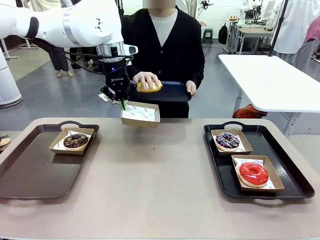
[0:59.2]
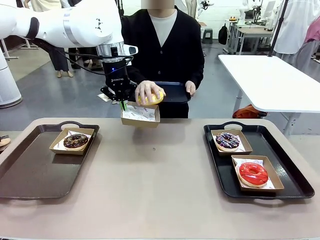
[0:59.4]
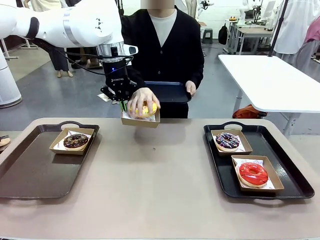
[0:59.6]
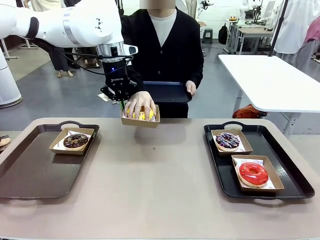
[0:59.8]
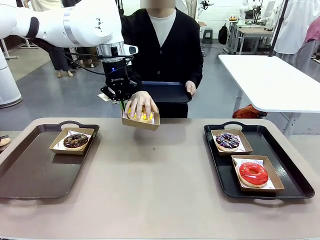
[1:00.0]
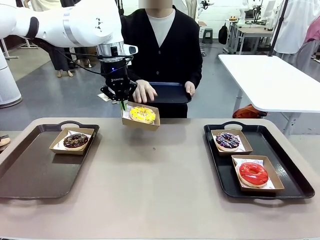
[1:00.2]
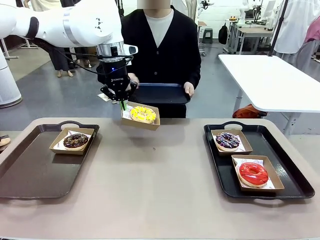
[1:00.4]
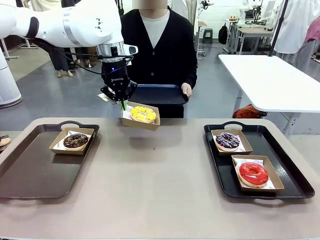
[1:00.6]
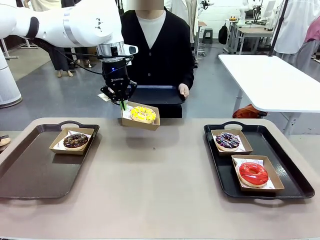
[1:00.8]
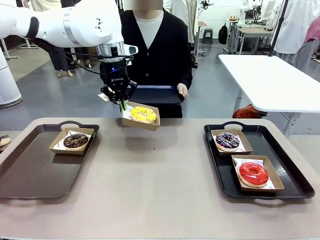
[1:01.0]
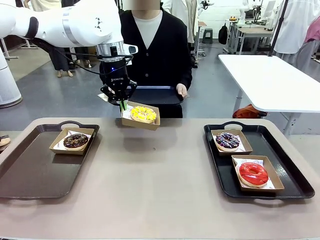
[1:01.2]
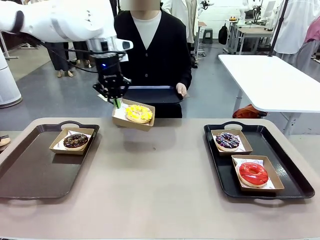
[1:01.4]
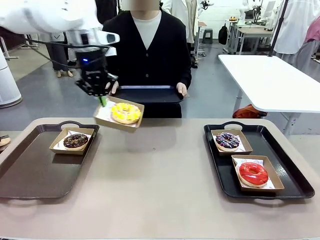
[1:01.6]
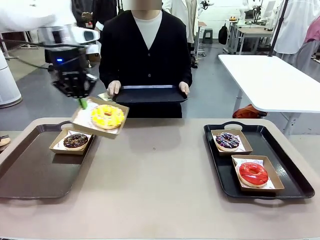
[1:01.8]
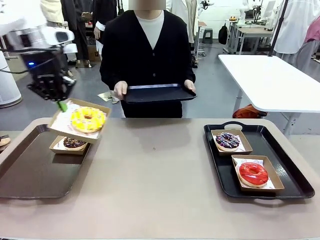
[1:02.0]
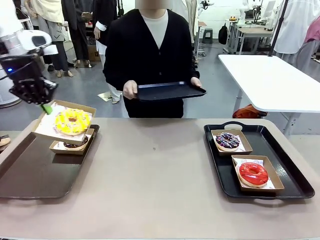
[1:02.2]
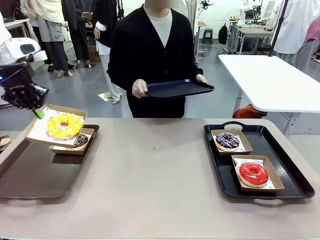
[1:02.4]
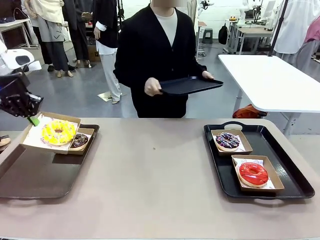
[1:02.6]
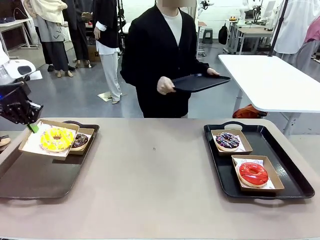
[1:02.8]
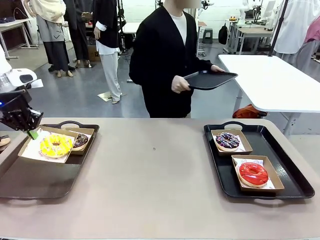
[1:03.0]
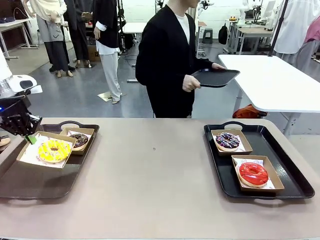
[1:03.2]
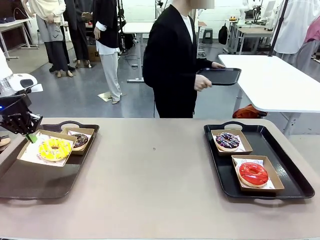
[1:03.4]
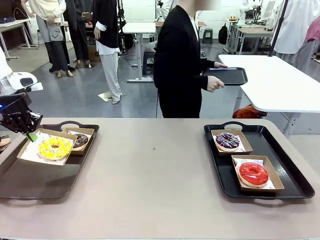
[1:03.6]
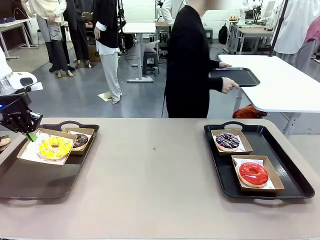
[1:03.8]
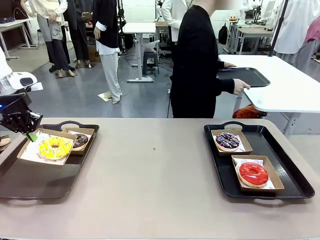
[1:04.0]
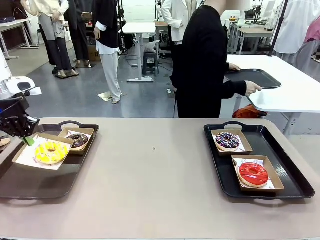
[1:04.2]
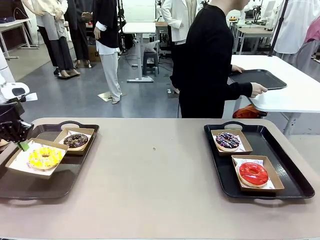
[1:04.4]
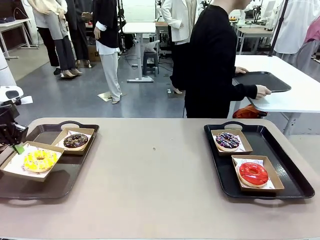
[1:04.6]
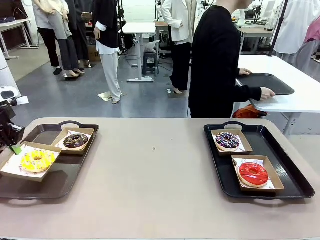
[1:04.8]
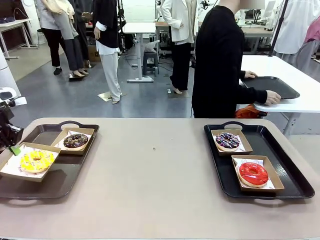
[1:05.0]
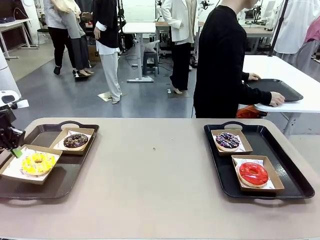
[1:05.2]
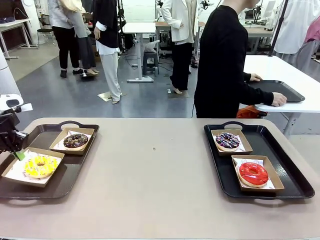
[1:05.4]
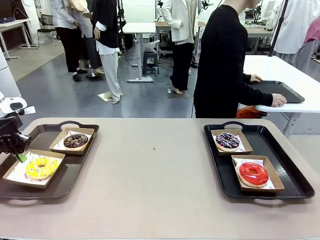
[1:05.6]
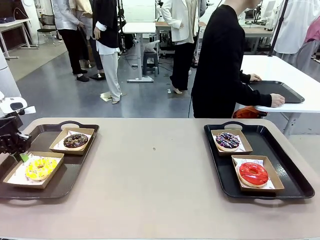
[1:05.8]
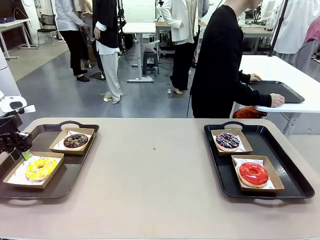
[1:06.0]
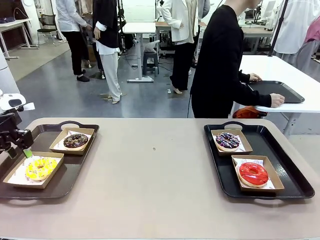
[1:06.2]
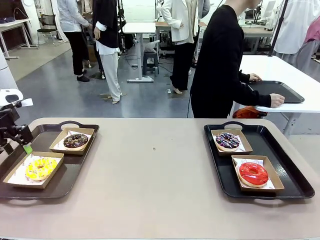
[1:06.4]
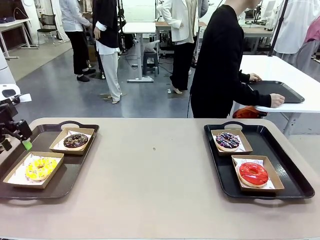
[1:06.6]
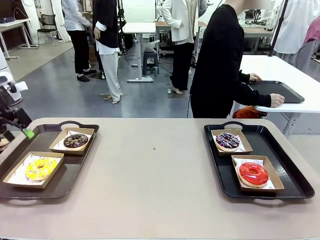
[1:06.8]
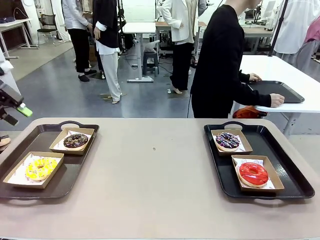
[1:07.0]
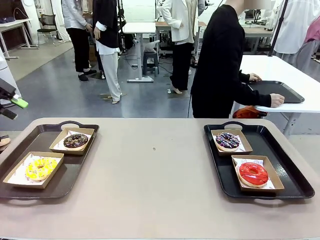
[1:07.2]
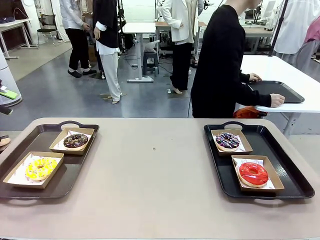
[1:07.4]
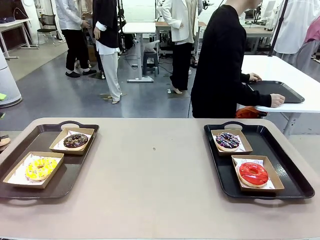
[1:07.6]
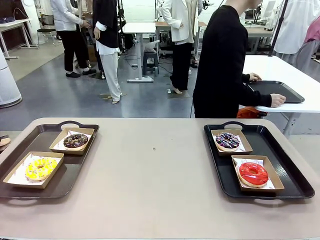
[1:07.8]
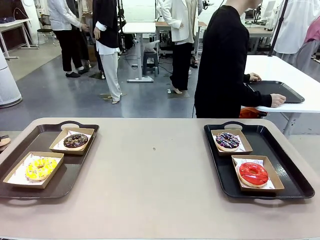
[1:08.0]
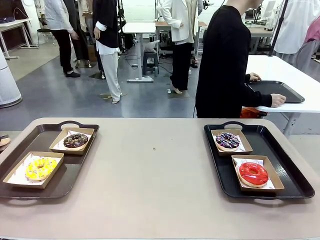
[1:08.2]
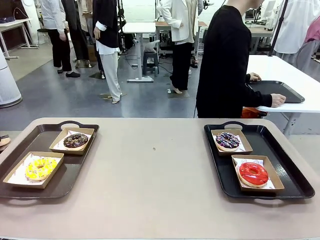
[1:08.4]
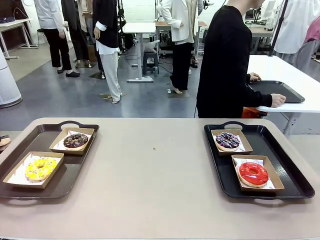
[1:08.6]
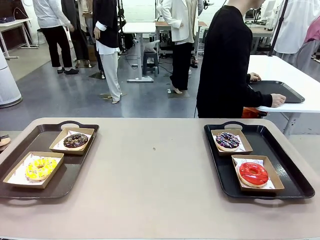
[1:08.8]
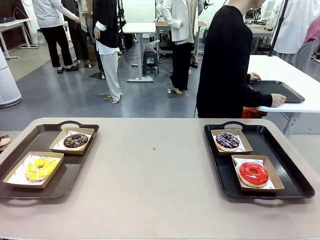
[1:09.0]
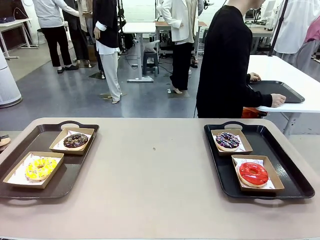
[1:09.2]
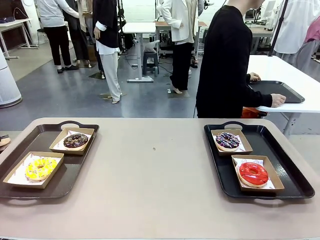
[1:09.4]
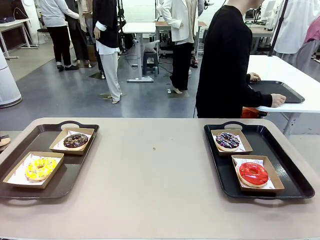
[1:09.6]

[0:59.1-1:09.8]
Task: Individually package the donuts and arrange them on the tray.
Robot: Place the picked Paper togo box on the Handle tray.
Person: Place the tray down in the middle of the human table.

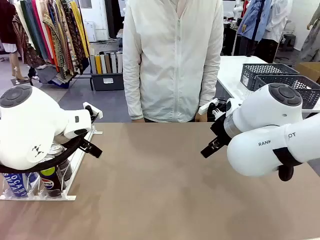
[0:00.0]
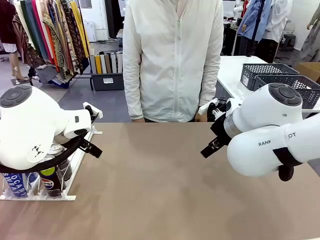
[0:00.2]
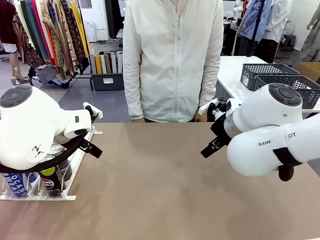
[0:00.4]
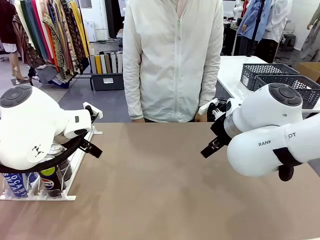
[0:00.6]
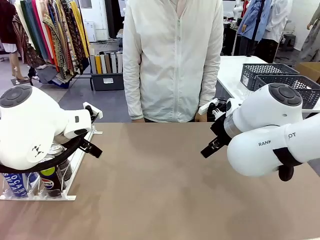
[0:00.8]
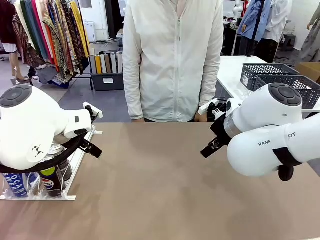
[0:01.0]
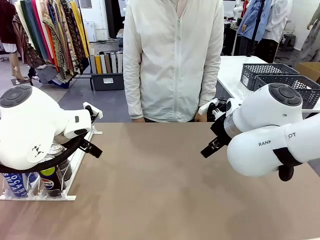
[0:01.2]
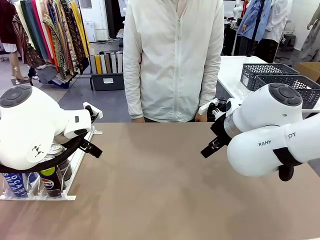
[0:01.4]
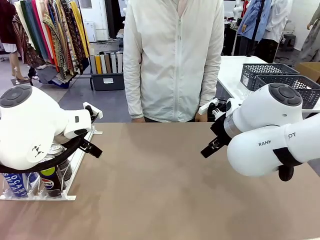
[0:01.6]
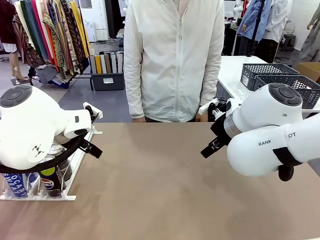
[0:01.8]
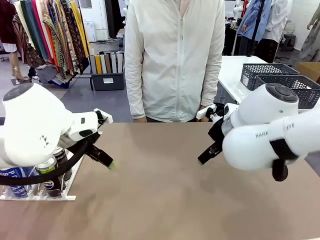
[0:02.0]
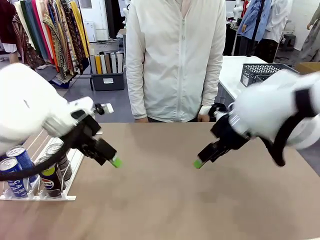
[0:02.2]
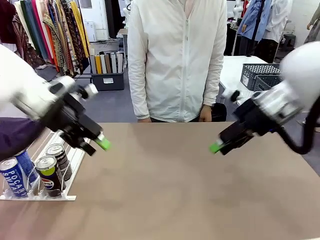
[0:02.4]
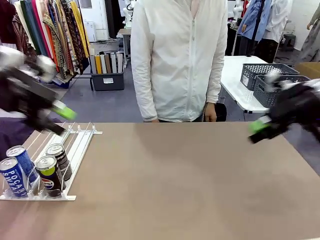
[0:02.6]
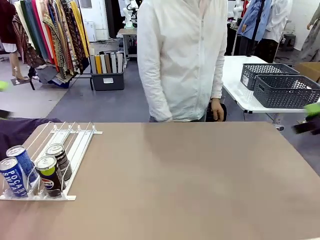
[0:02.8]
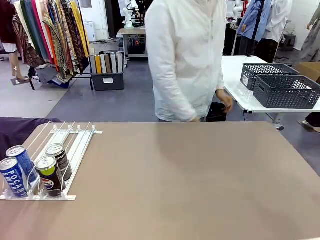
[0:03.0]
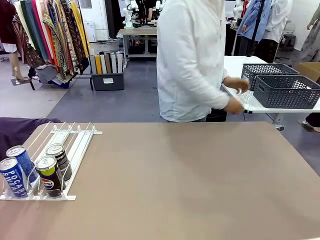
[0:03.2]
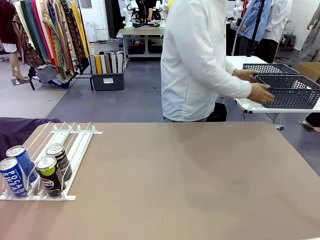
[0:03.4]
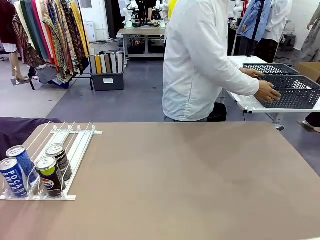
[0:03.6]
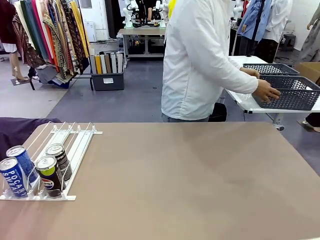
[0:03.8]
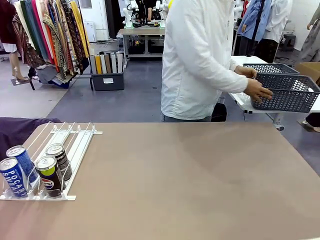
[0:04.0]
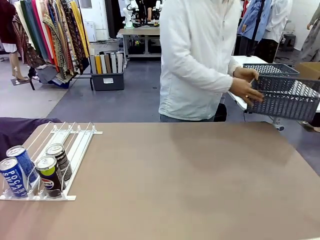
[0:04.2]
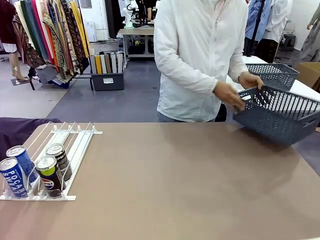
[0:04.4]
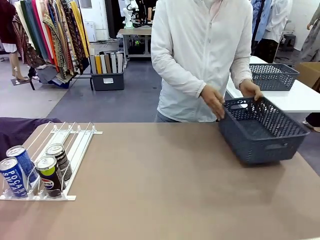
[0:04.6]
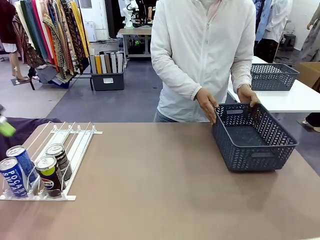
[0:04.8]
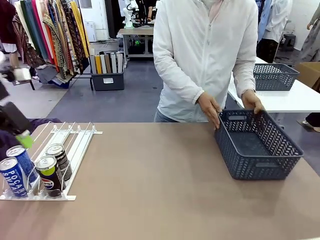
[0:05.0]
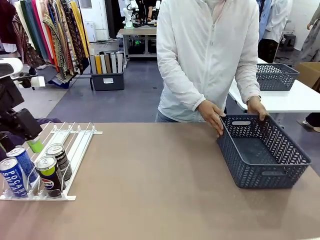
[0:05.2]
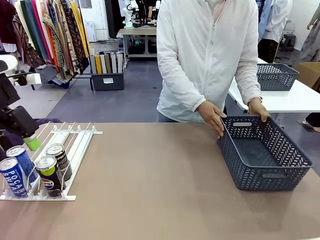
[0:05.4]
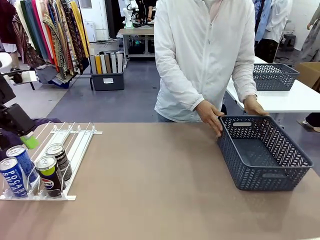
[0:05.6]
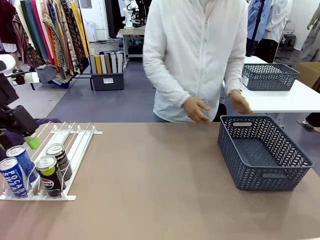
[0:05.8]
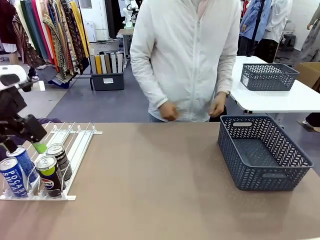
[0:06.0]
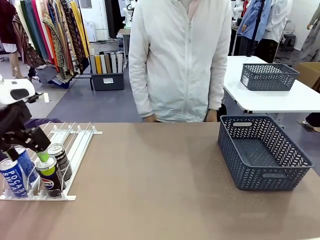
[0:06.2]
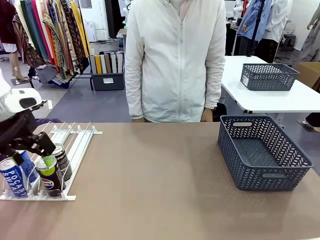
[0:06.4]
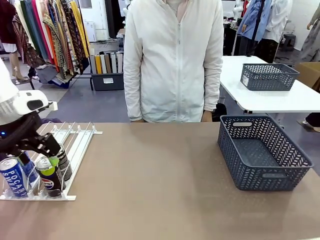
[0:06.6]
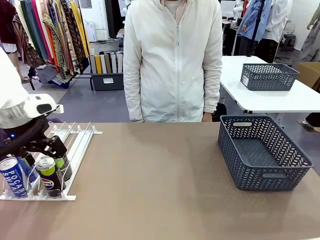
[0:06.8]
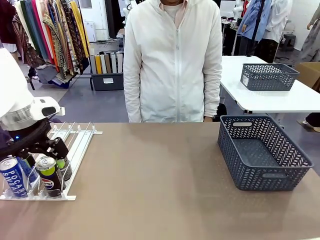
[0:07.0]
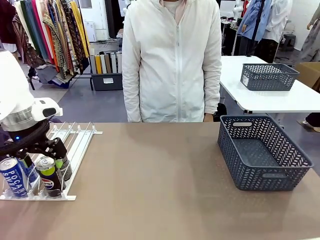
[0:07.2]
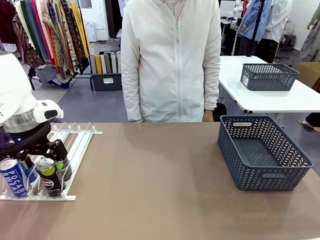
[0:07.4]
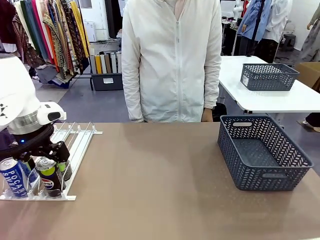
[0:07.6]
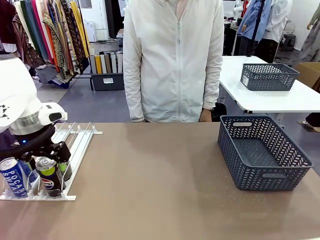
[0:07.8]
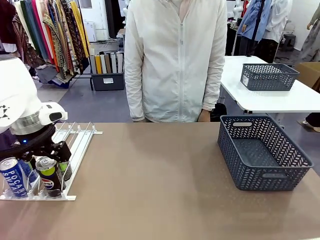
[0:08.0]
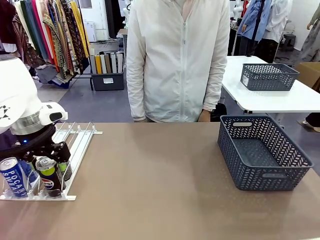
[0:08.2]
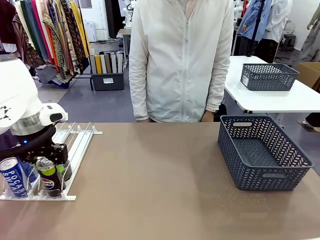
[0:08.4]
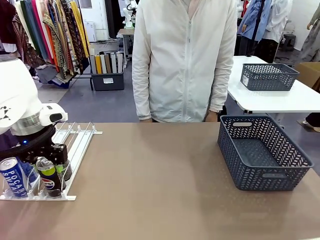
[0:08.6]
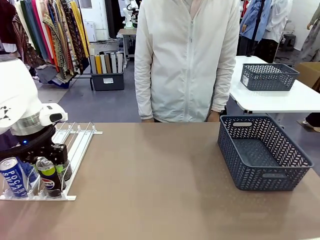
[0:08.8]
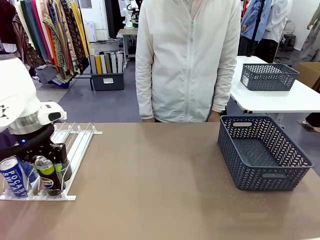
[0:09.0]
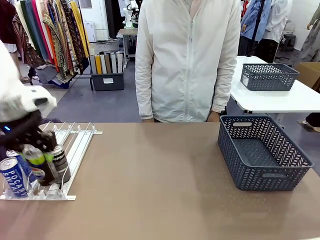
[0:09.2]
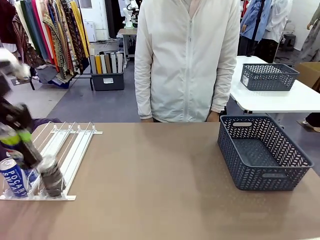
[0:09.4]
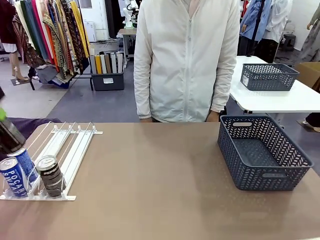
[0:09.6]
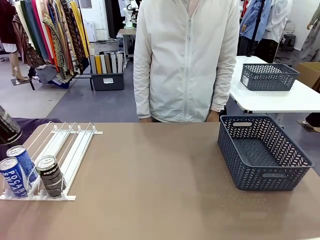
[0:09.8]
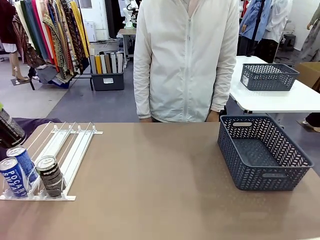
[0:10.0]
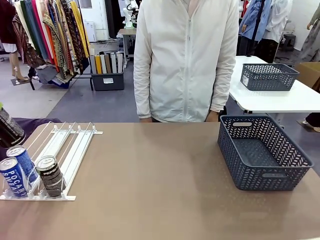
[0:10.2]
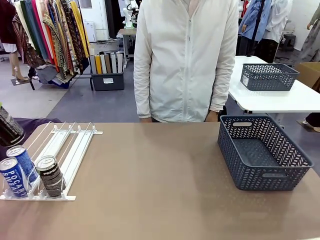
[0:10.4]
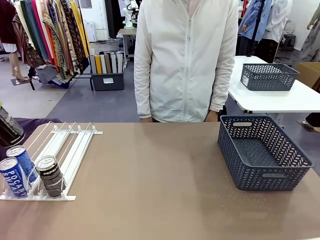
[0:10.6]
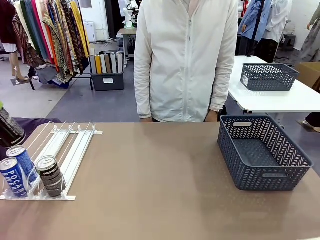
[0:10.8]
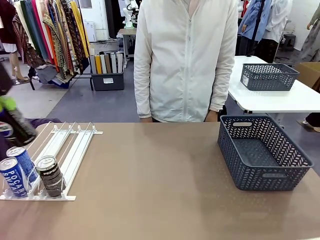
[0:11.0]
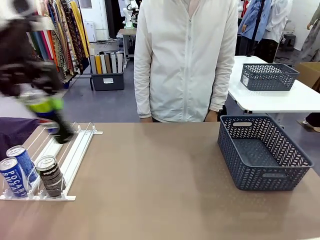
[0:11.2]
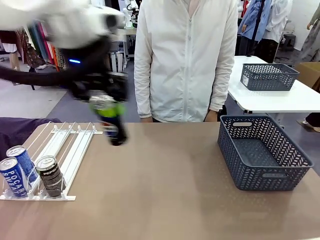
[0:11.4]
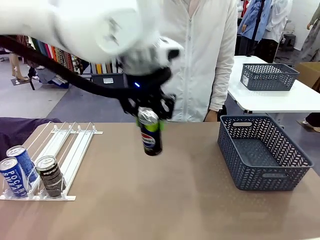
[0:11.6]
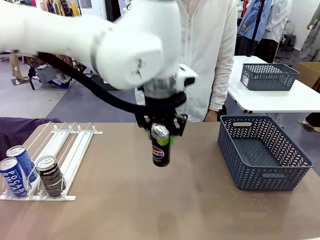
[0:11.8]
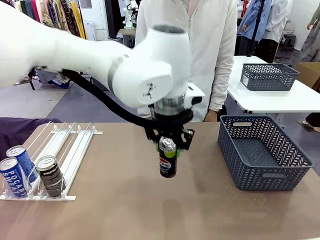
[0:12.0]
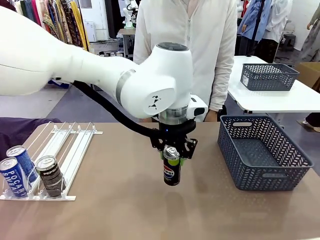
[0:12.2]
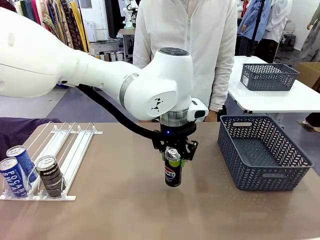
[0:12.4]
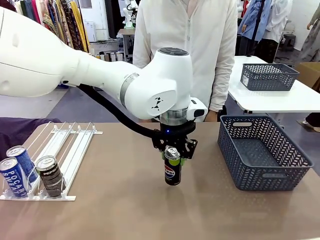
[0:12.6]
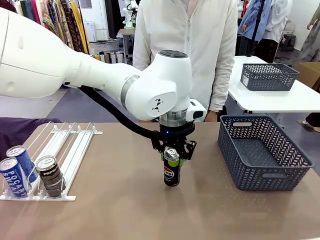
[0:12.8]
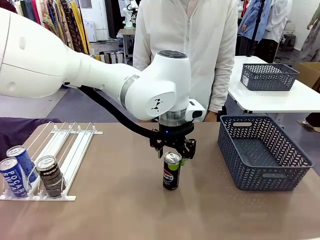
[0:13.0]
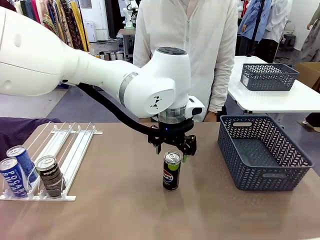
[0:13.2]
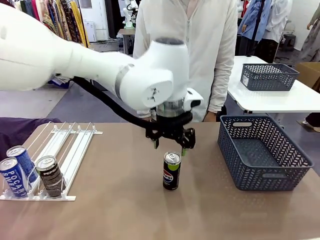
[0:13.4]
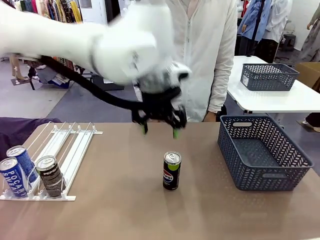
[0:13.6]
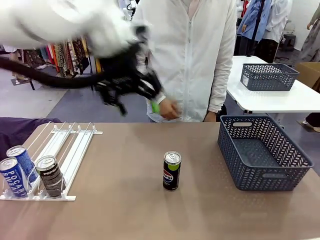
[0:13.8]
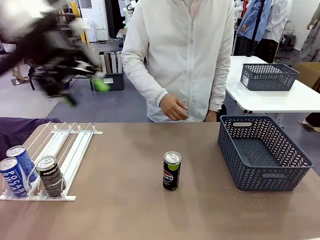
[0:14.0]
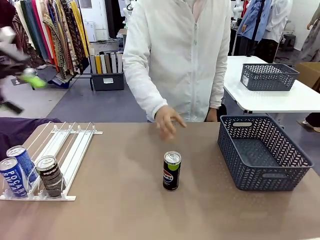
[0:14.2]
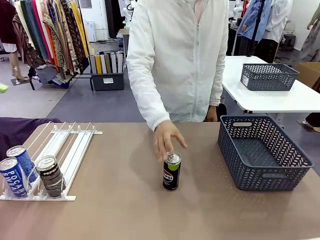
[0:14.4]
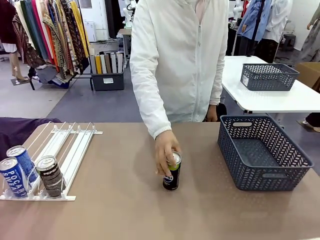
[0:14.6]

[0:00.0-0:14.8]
Task: Retrieve and store the cans from the dispenser.
Robot: Pick up one can from the Automatic Can Dispenser and place it in the middle of the table.
Person: Pick up the basket and place it on the left side of the robot table.
